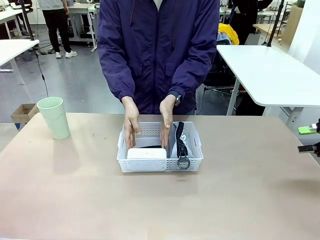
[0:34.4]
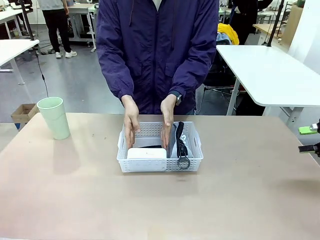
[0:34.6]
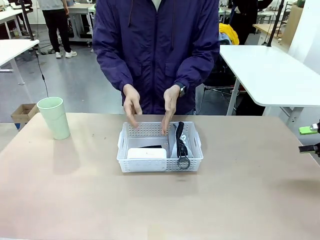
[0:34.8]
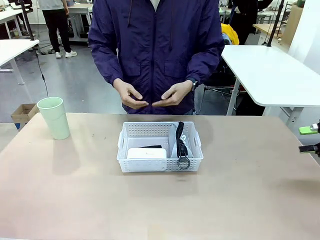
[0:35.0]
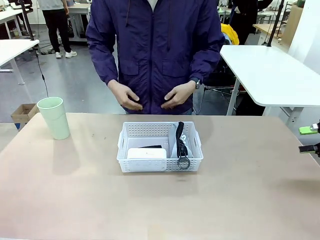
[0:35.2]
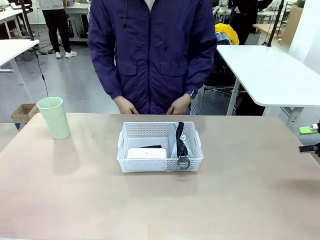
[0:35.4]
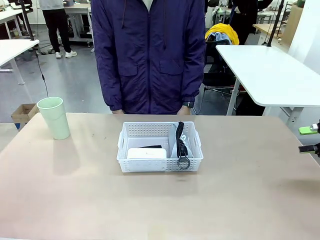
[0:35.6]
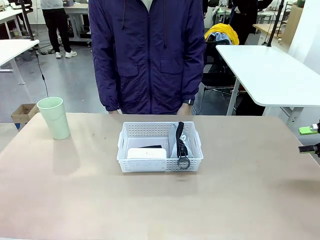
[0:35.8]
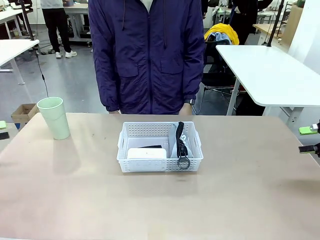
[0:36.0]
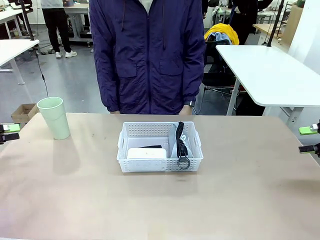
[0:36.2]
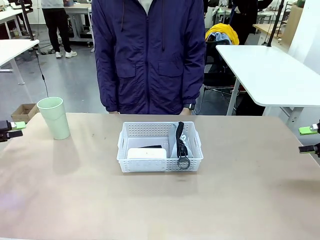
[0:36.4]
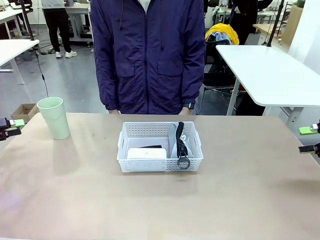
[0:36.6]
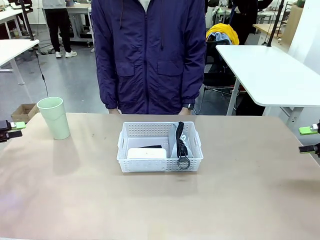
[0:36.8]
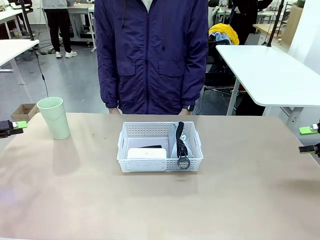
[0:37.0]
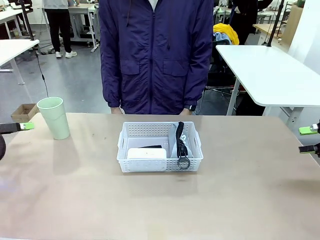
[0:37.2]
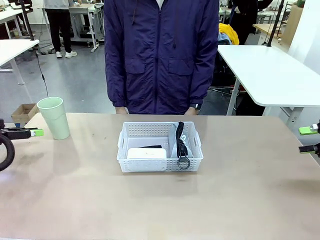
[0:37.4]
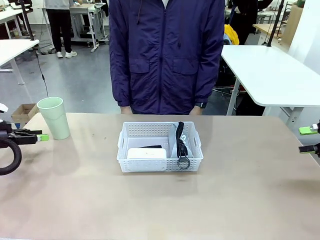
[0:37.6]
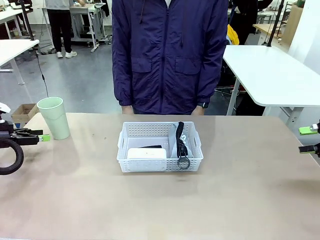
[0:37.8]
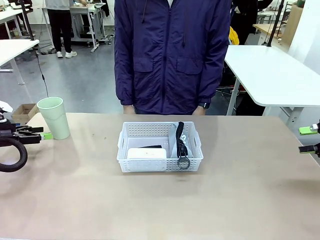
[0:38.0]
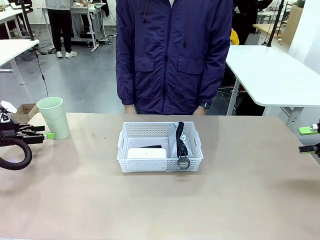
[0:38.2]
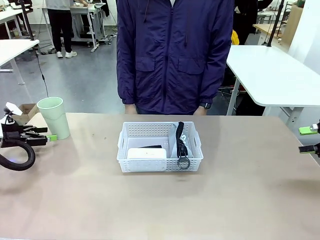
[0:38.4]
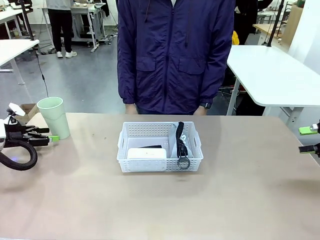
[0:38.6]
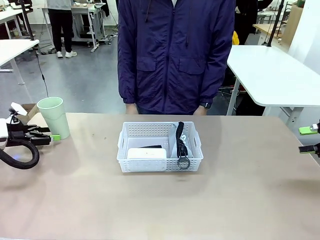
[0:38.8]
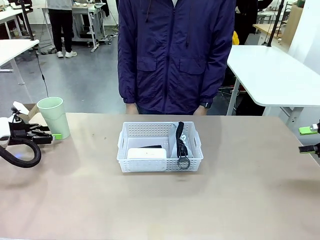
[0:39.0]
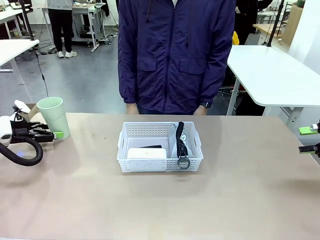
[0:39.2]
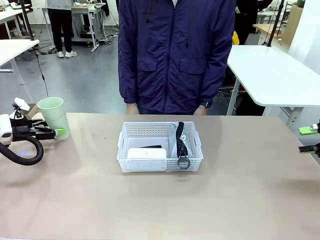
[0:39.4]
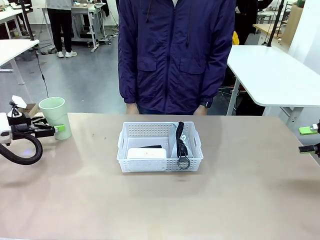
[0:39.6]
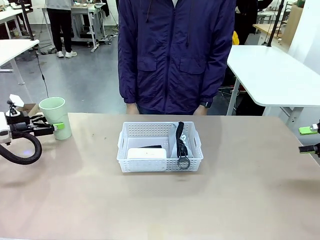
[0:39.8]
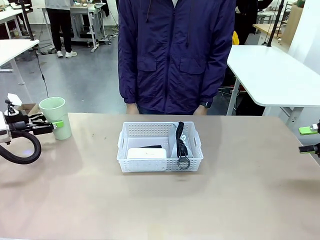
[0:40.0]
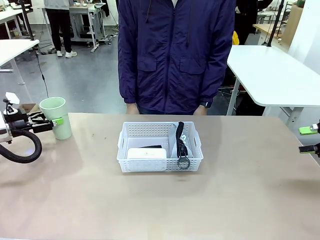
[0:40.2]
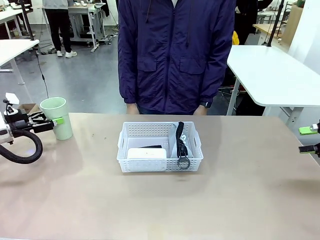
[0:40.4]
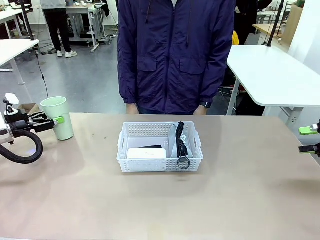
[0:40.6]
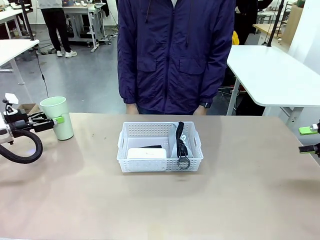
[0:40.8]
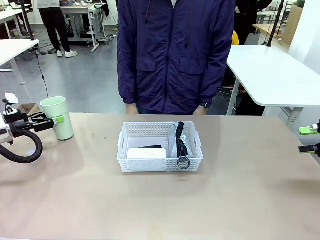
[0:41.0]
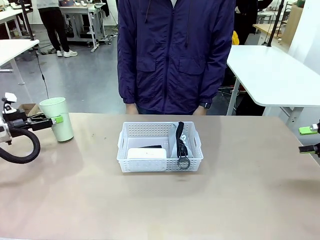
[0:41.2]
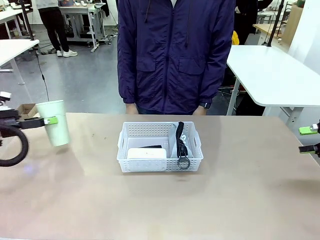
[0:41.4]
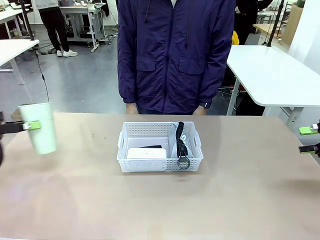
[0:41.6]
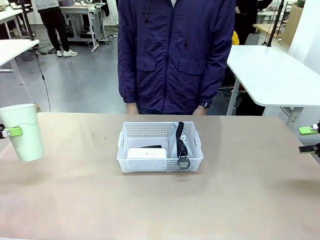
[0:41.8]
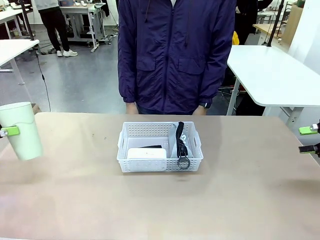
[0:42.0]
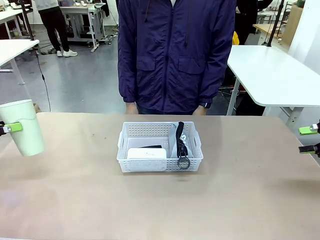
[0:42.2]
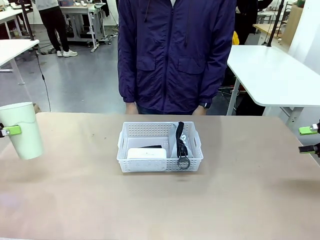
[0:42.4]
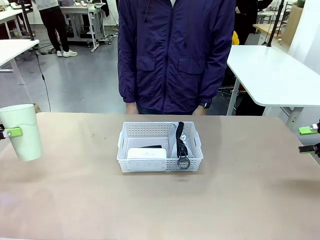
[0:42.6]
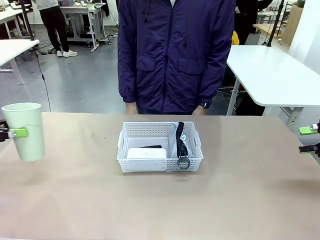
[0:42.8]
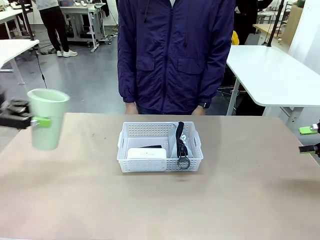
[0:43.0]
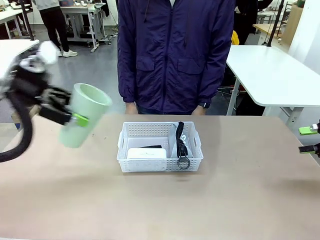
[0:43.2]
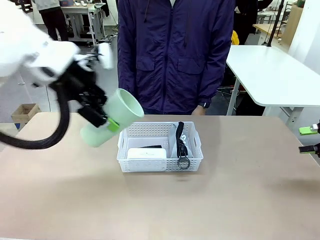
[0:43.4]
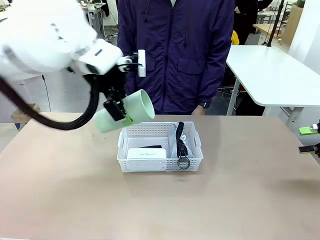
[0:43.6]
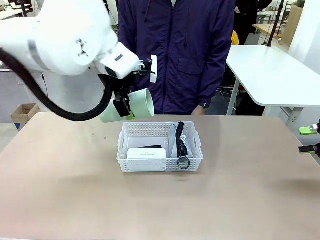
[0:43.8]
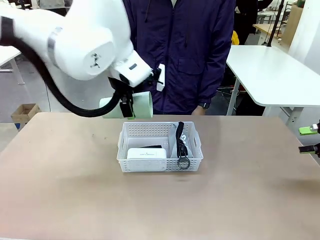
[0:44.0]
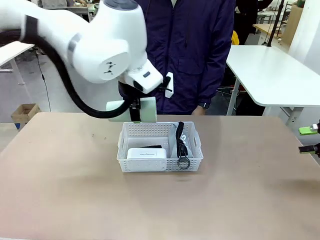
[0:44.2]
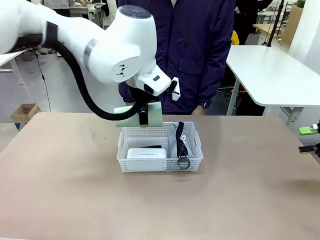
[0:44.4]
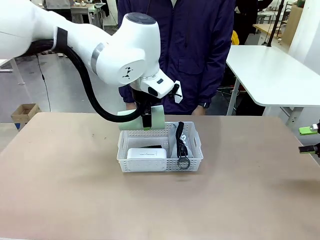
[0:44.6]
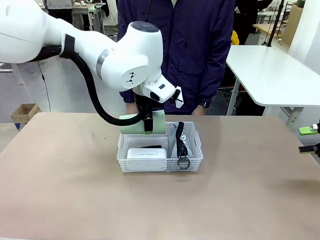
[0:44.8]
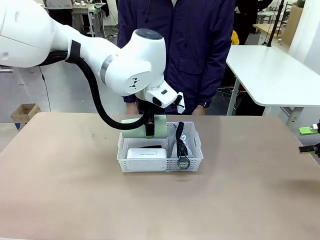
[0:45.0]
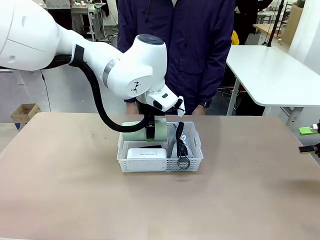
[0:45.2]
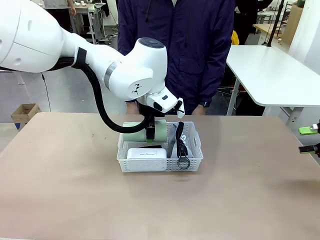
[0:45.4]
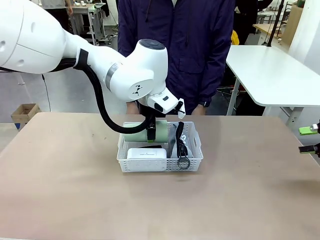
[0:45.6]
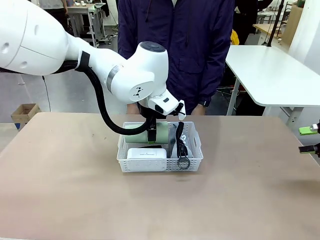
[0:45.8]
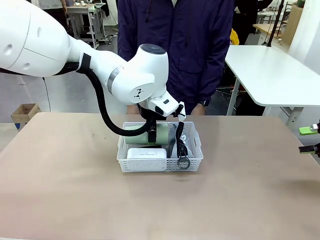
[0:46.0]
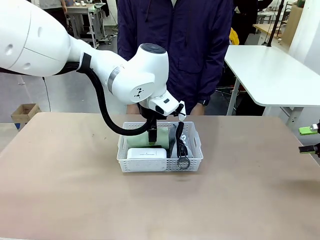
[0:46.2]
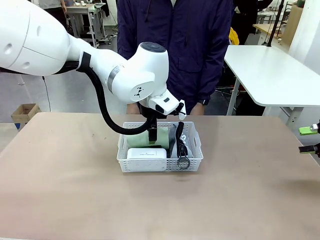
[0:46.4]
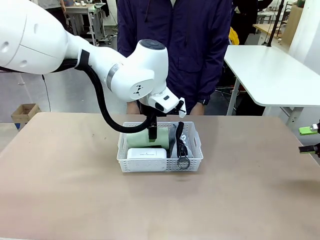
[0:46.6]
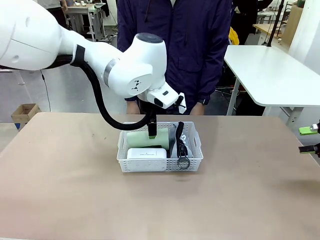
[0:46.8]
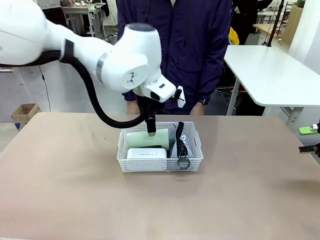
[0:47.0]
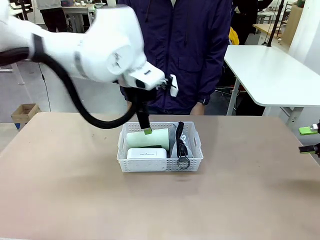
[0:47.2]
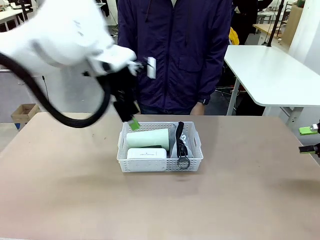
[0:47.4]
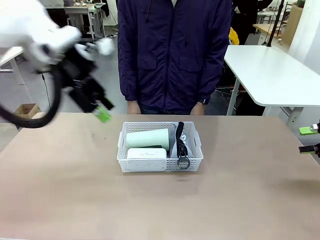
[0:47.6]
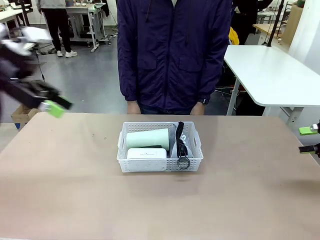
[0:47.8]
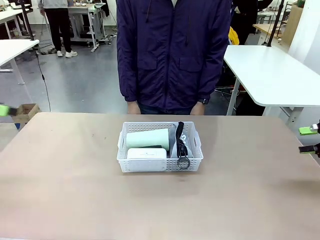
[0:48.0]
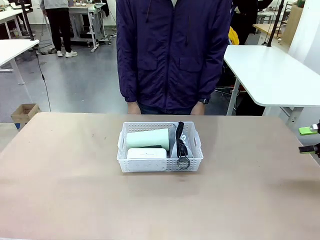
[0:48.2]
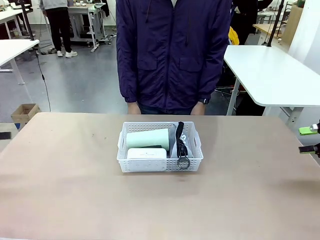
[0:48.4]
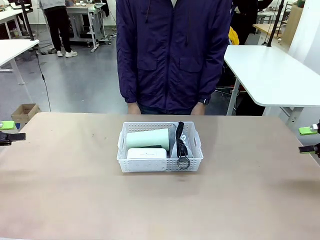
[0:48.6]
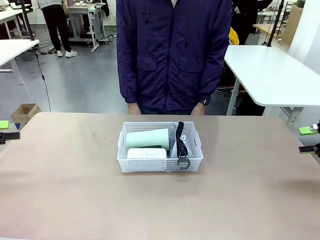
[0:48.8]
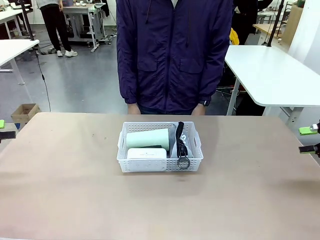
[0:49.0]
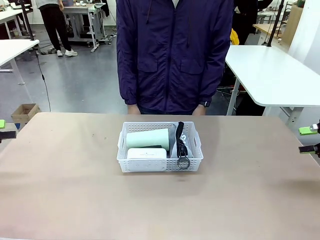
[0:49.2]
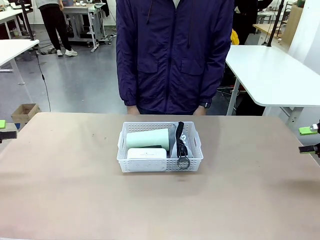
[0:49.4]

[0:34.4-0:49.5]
Task: Efficiently arrange items inside the basket to fit them all.
Robot: Pick up the Reusable plastic cup and place it inside the Organizing basket.
Person: Repositions the stapler.
